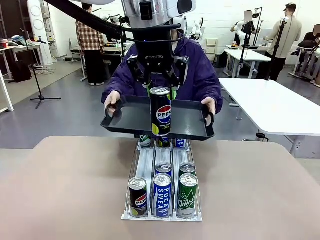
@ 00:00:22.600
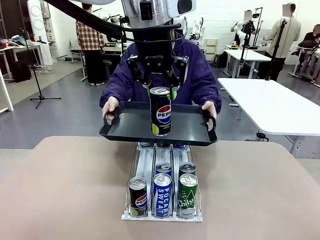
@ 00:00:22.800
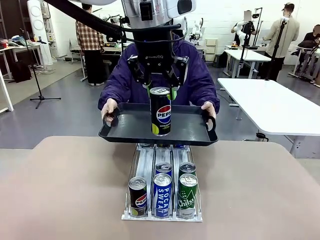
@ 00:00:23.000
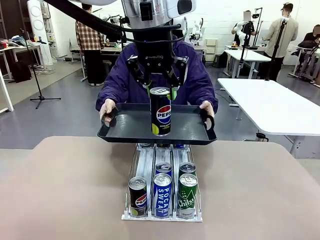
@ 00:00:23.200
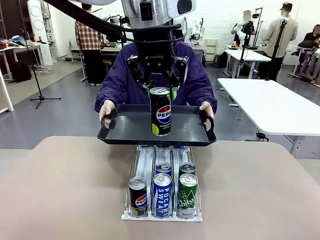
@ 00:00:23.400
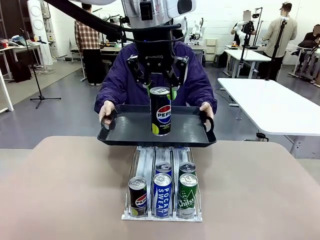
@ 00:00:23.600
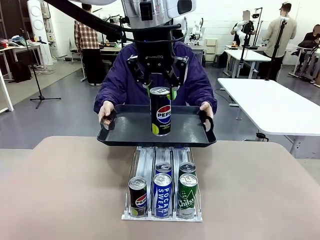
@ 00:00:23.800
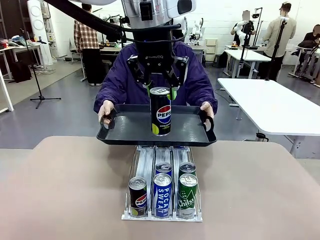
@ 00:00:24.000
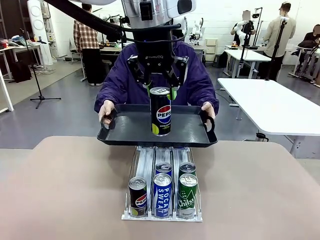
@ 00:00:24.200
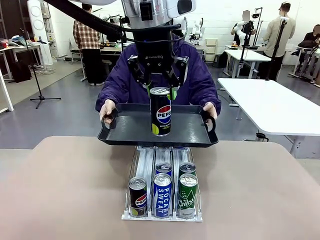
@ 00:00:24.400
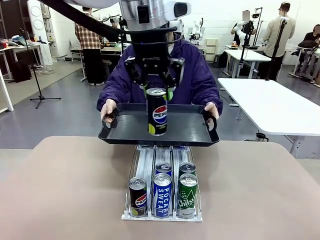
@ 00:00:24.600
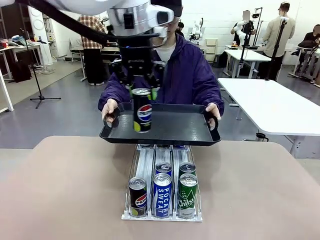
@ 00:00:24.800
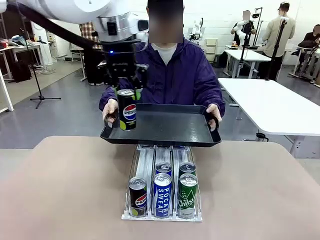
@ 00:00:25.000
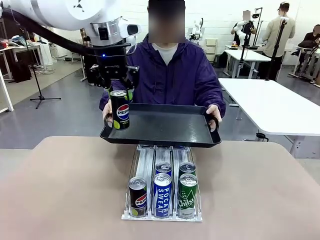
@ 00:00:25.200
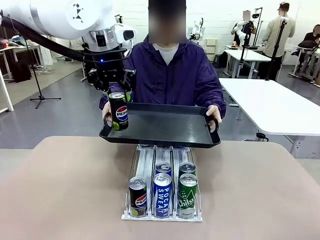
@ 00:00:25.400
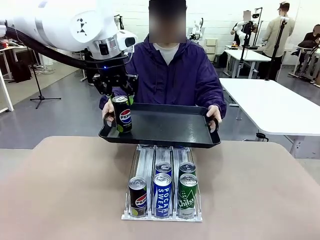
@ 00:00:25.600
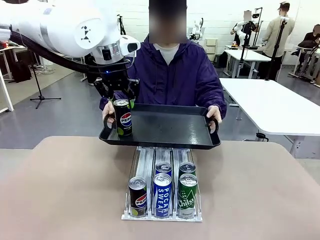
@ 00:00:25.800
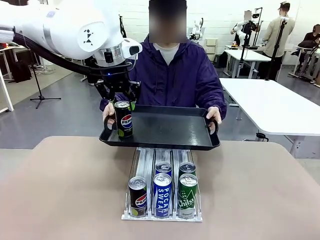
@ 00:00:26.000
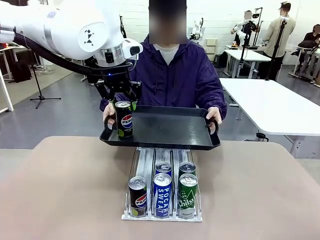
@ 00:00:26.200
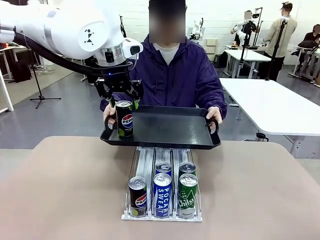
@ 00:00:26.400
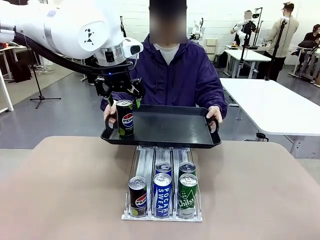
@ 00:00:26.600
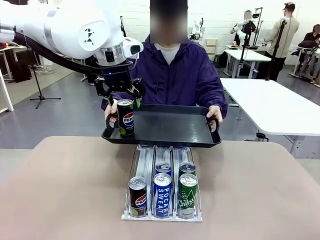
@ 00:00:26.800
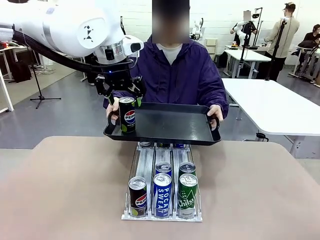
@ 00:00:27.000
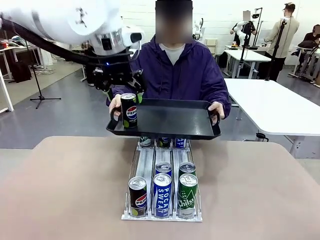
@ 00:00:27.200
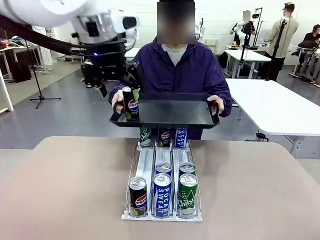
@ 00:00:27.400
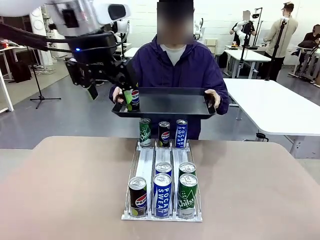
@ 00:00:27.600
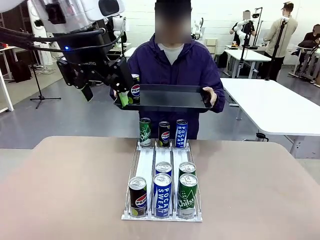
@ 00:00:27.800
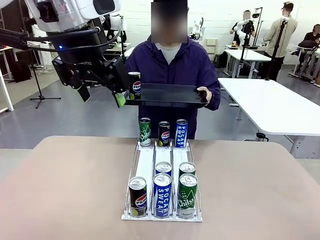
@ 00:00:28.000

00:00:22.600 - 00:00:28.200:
Task: Retrieve and hand over the desired beverage to the person.
Robot: Place the picked can on the Handle tray extended by the person.

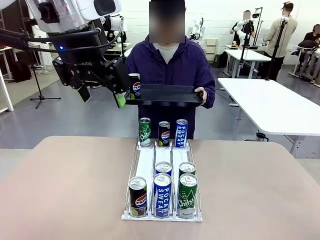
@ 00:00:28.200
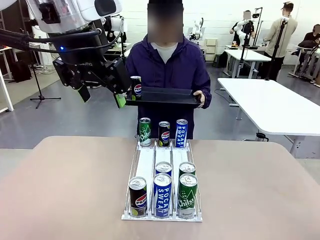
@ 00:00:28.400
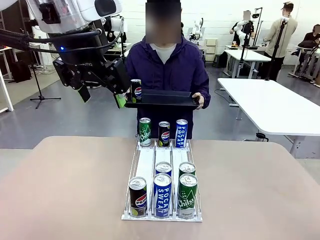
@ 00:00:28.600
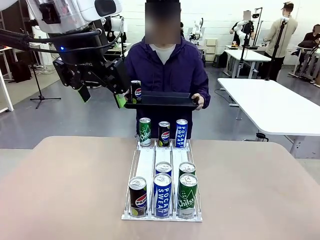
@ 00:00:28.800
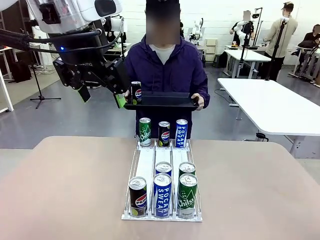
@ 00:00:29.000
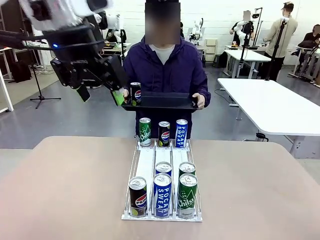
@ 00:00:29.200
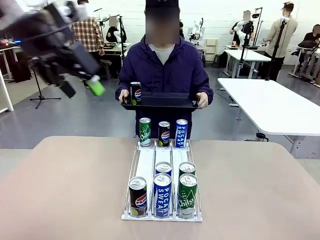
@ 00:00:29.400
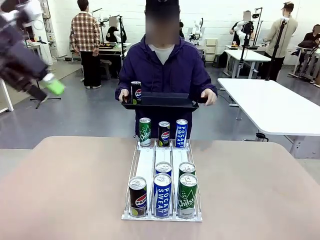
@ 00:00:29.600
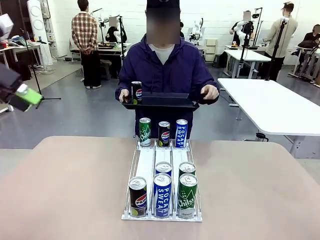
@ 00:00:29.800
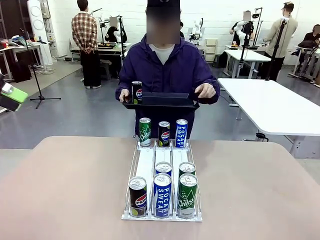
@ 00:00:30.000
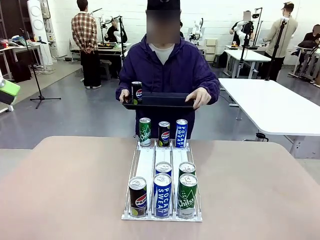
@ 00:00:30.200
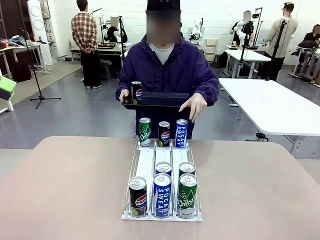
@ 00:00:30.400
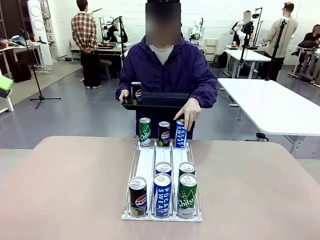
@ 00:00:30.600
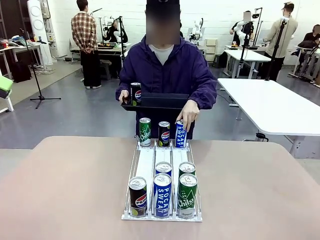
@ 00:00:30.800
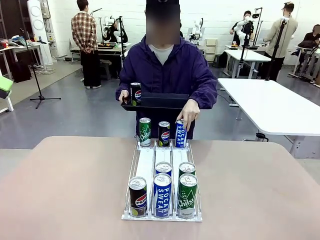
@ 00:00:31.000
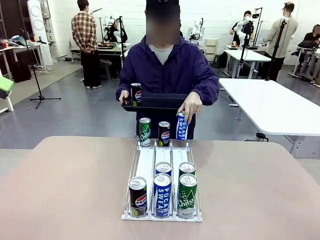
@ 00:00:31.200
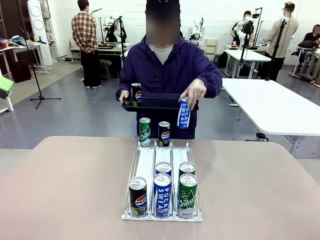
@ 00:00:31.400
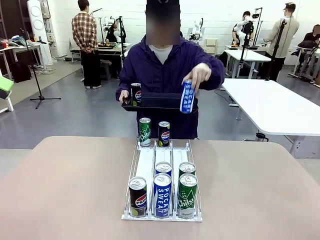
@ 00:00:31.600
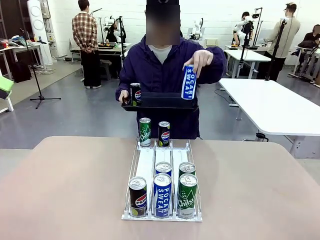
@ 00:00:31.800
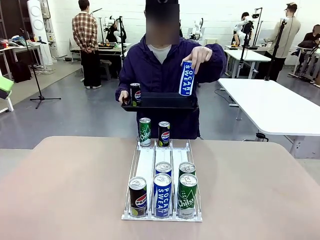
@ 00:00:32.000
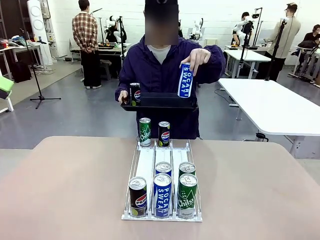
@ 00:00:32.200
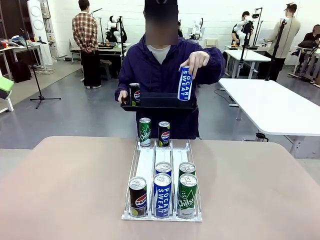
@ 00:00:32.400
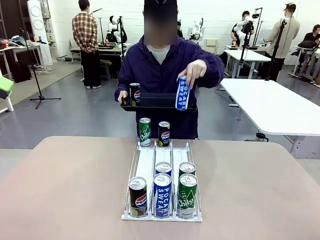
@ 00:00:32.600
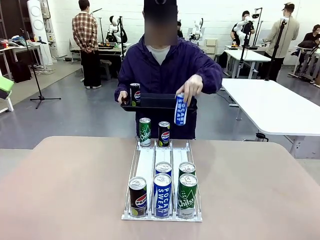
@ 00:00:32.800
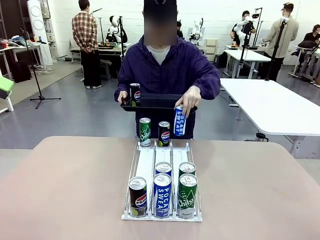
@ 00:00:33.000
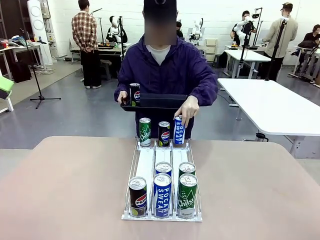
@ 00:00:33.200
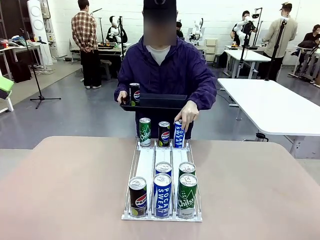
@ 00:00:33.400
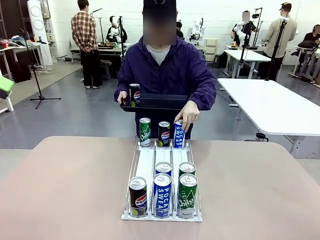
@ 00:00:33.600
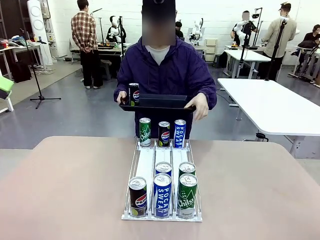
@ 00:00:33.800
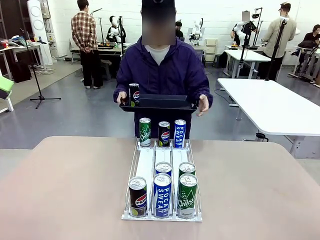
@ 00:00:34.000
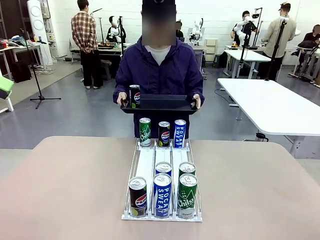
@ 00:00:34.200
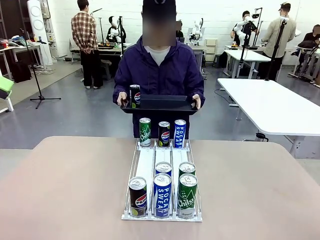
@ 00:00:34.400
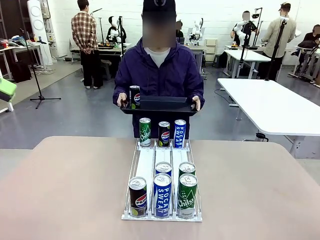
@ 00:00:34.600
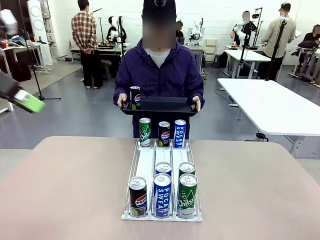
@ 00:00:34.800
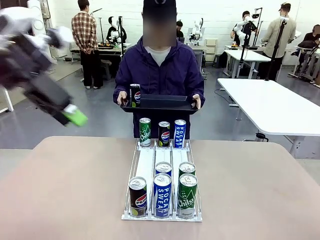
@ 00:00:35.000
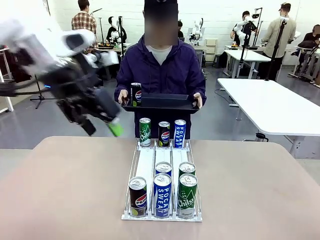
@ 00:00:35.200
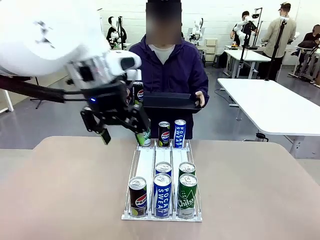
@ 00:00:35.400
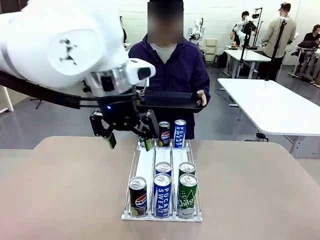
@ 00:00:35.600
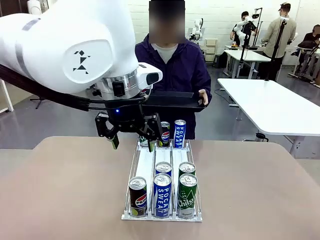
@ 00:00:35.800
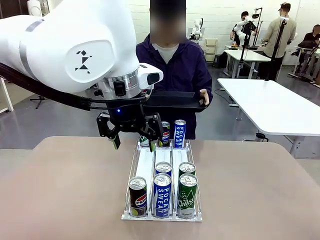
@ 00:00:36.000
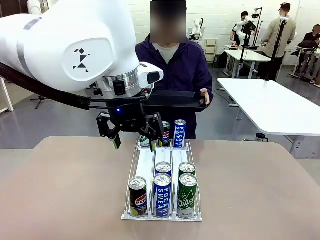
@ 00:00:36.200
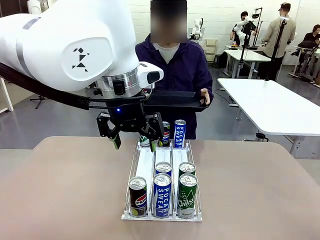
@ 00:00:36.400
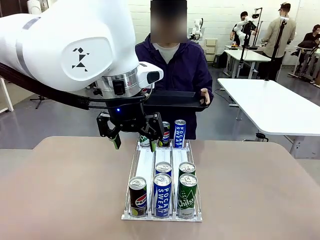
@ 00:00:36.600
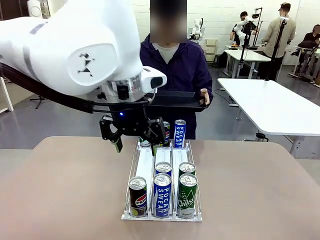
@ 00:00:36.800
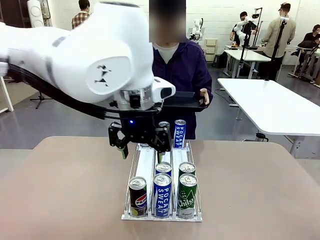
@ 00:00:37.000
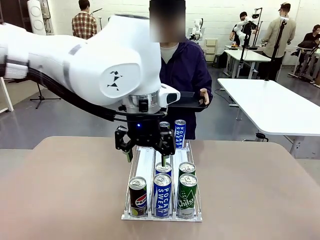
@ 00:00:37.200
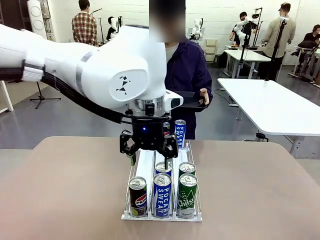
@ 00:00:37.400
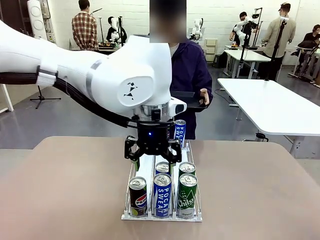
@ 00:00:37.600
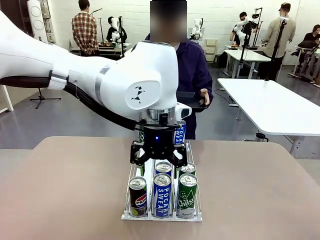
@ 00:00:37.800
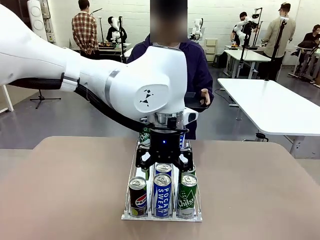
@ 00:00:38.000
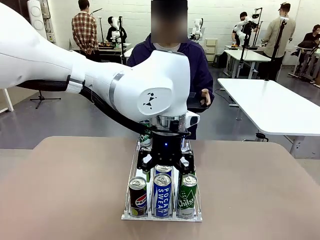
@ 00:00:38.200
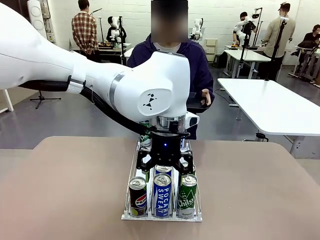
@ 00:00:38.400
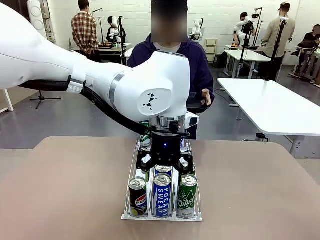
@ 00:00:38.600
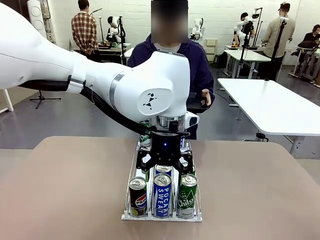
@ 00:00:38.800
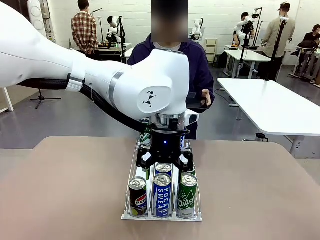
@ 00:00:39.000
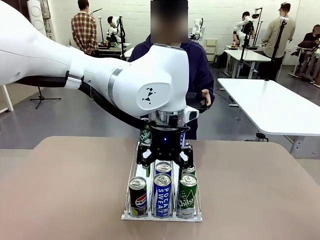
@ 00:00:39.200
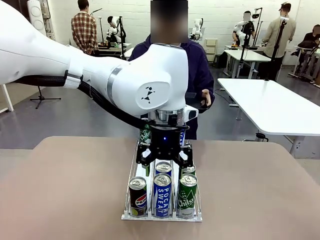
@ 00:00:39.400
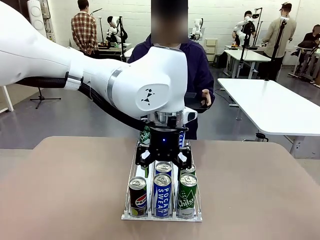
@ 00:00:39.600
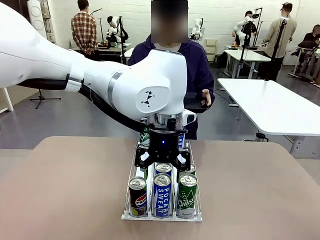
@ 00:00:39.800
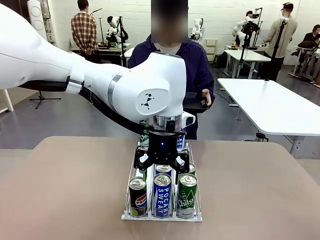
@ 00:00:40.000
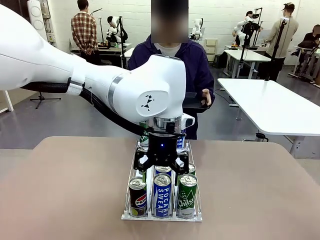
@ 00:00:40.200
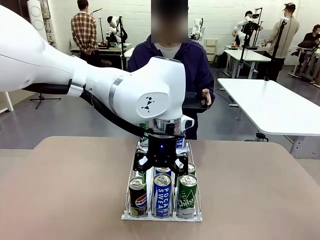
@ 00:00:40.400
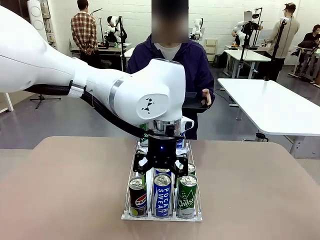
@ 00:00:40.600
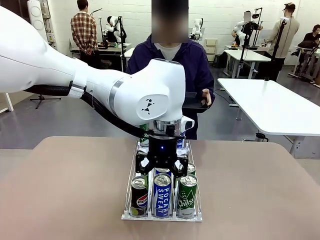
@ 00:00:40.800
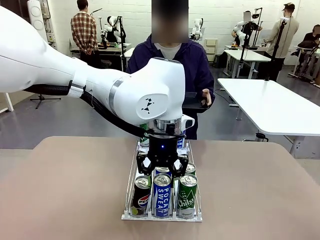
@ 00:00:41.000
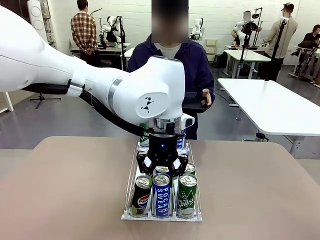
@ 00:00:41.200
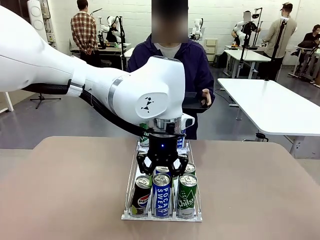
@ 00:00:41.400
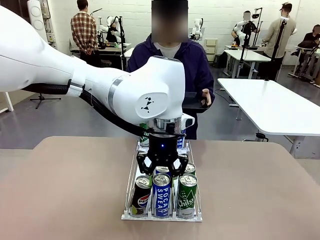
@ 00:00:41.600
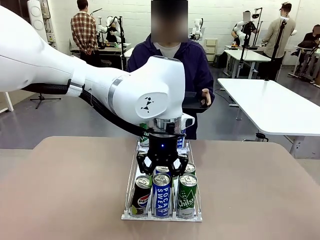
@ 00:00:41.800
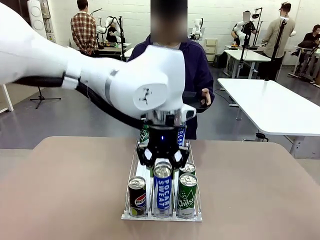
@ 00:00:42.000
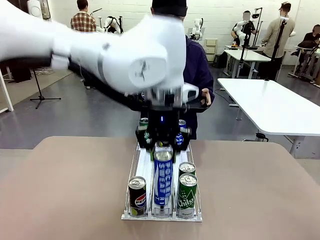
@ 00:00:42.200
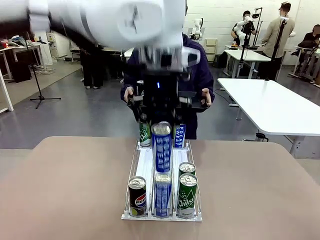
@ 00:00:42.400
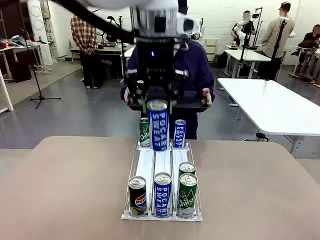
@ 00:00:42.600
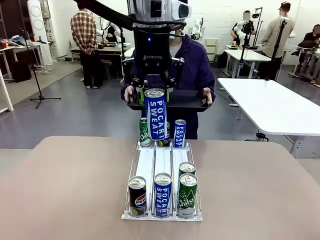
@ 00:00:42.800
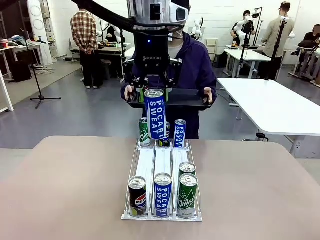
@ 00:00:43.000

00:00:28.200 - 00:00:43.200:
Robot: Pick up another can of the same type that the person held from the Automatic Can Dispenser.
Person: Pull the tray back, then pick up another can from the bottom area of the table and puts it back in its original place. Push the tray toward the robot again.
